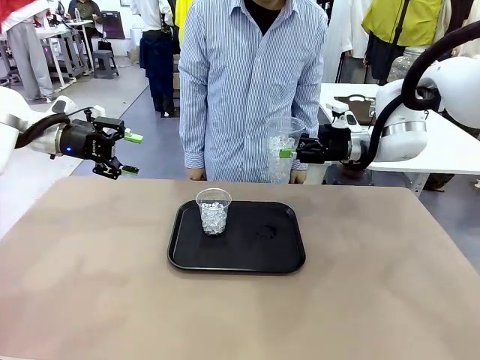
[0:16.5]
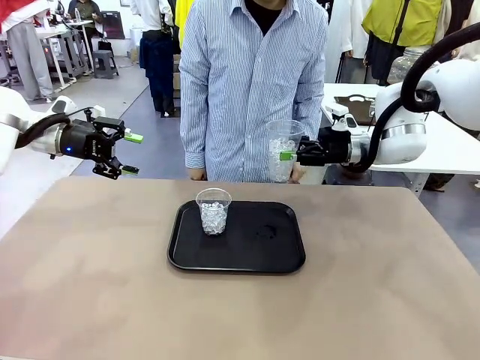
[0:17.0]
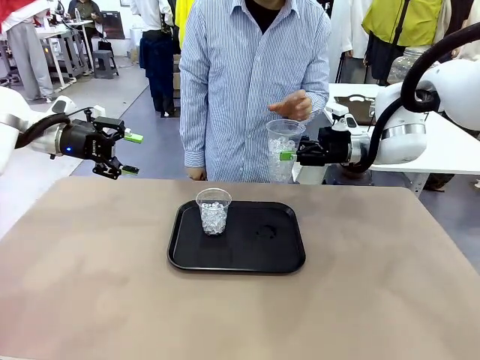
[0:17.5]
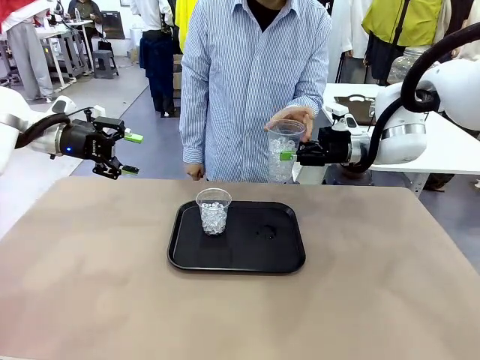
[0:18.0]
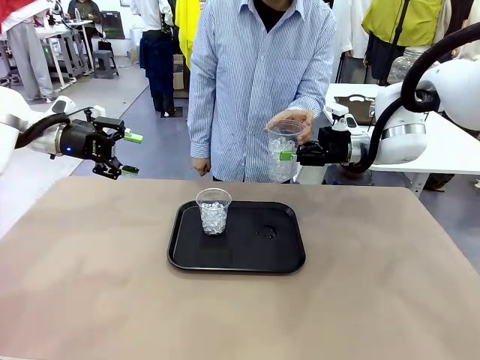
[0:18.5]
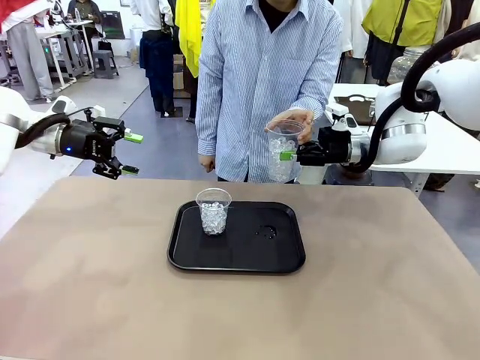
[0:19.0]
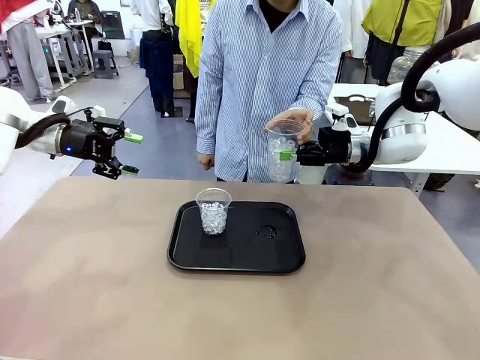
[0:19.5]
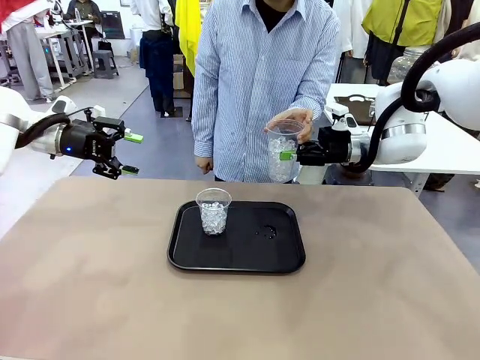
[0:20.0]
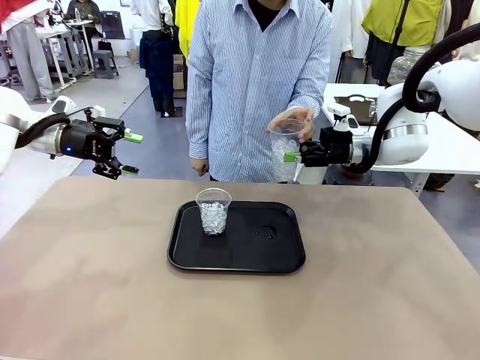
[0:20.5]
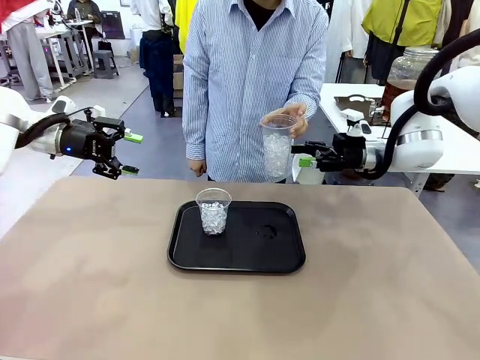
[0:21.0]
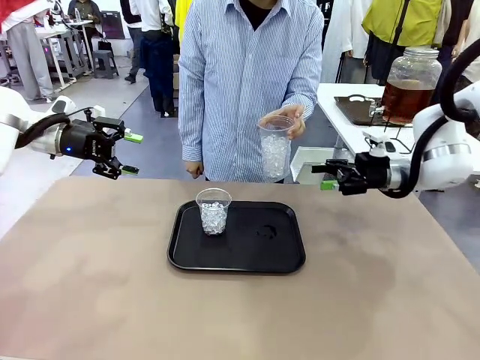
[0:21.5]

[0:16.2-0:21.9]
Task: Pour the drink into the iced cup.
Robot: Open the gripper to release the iced cup you were holding.

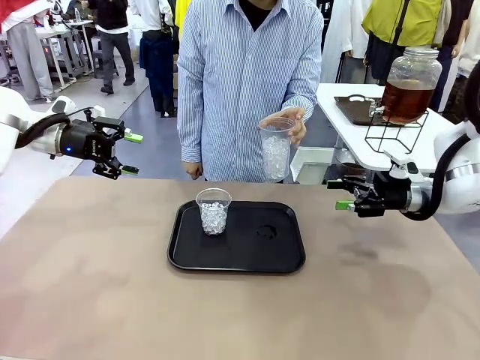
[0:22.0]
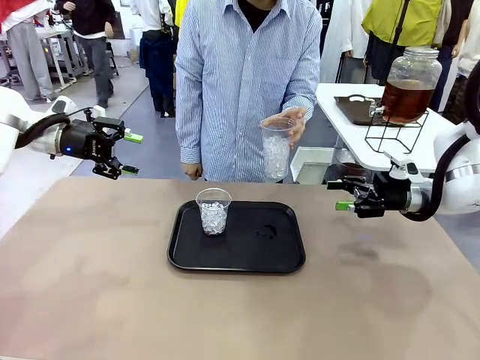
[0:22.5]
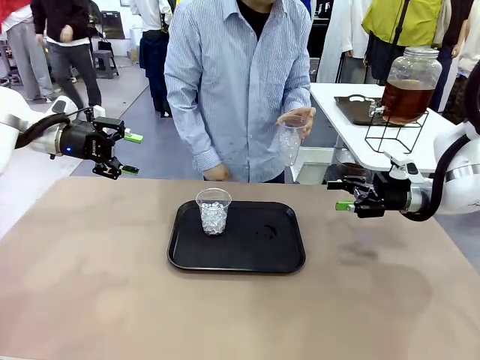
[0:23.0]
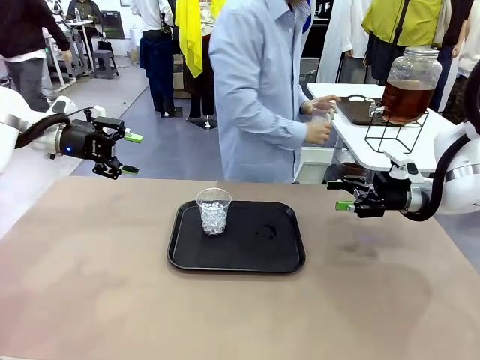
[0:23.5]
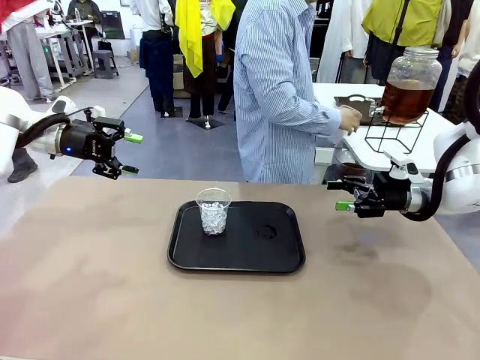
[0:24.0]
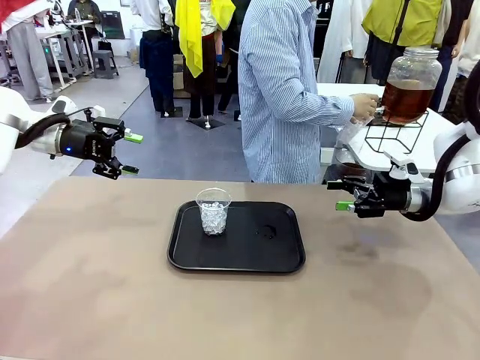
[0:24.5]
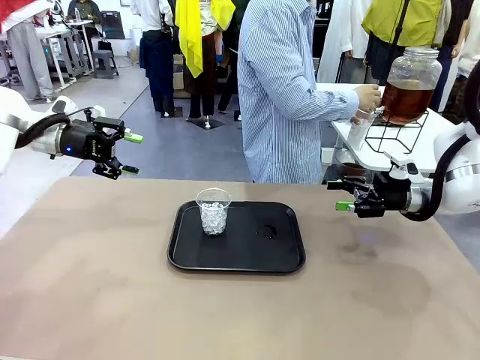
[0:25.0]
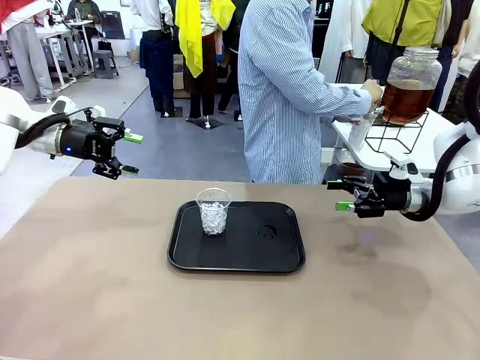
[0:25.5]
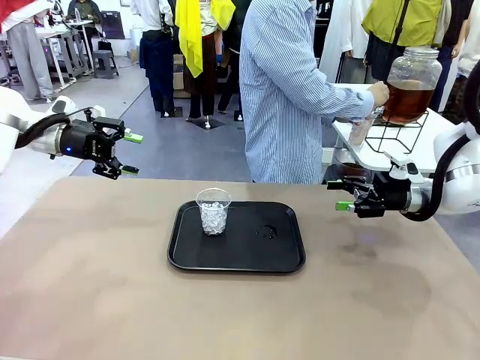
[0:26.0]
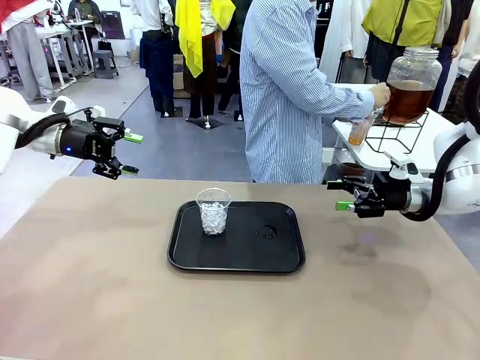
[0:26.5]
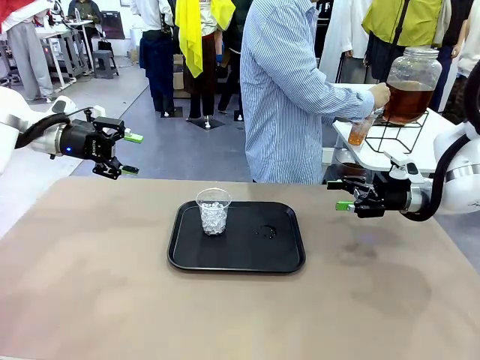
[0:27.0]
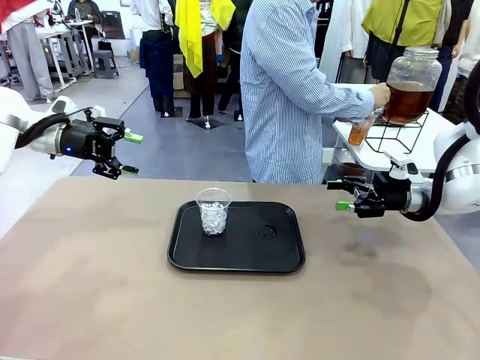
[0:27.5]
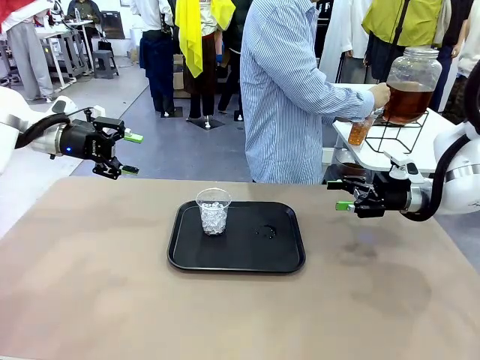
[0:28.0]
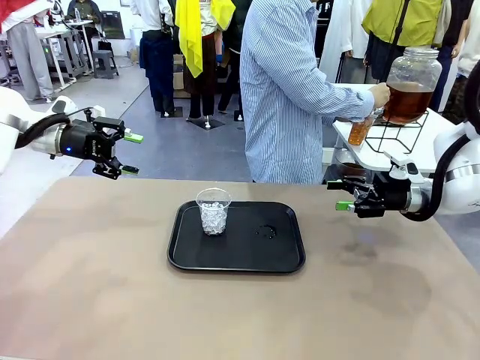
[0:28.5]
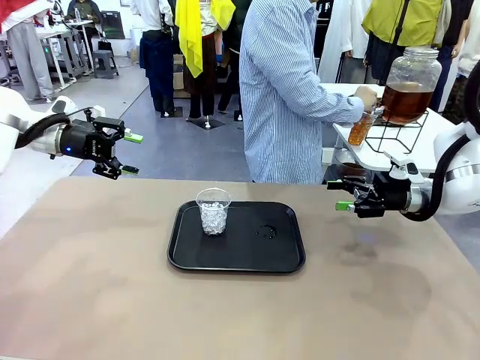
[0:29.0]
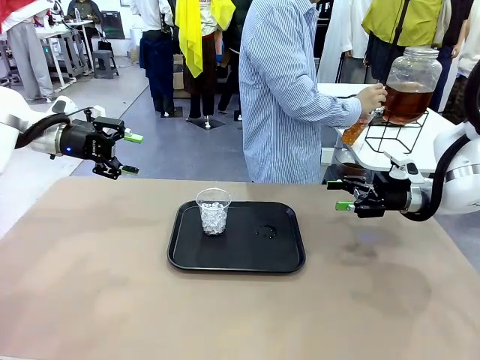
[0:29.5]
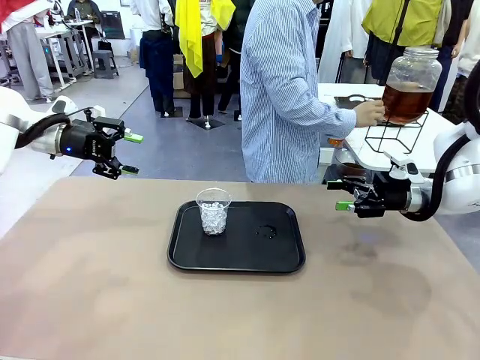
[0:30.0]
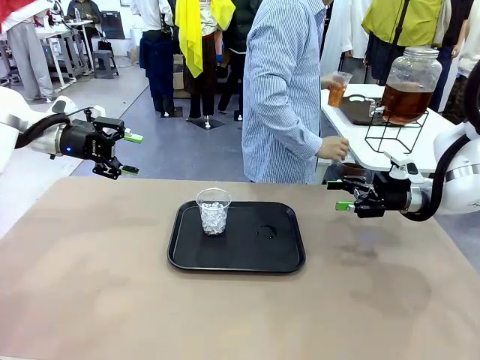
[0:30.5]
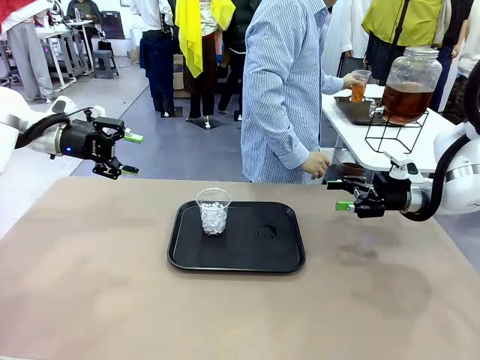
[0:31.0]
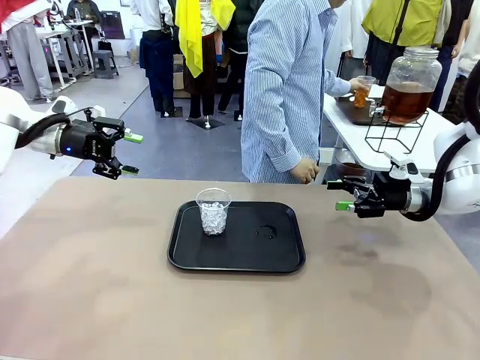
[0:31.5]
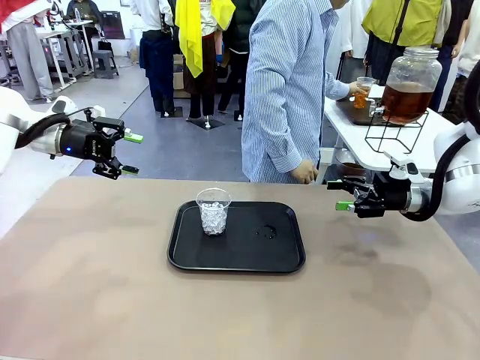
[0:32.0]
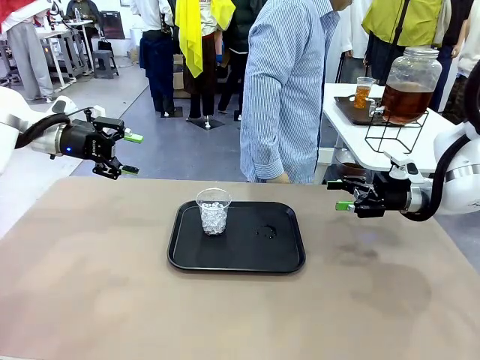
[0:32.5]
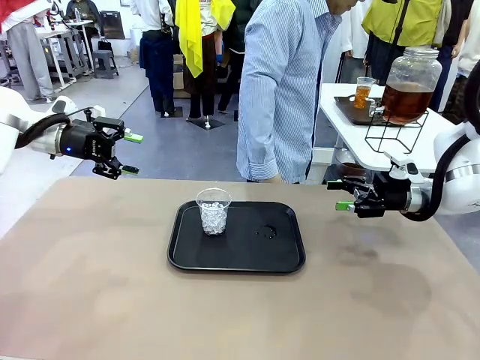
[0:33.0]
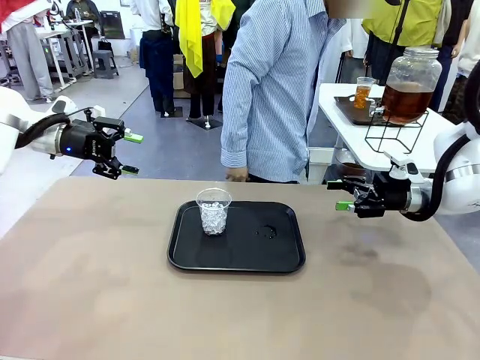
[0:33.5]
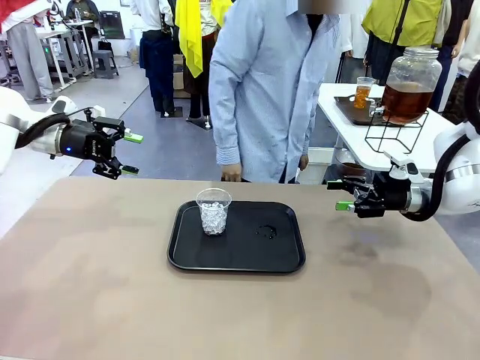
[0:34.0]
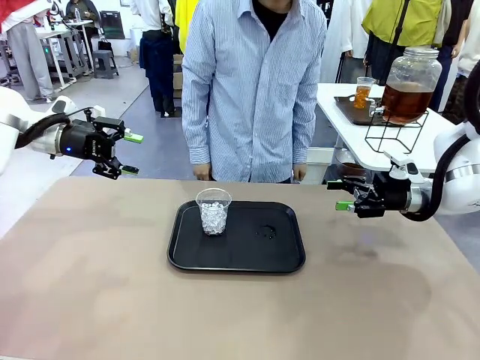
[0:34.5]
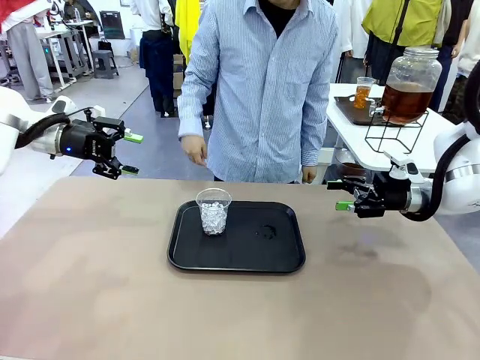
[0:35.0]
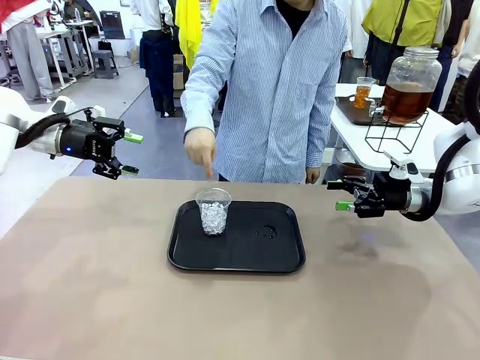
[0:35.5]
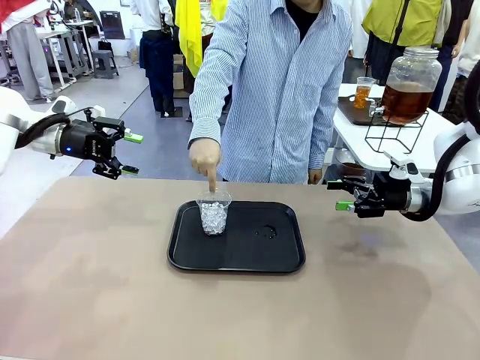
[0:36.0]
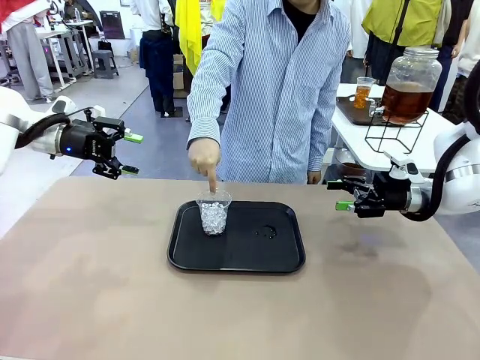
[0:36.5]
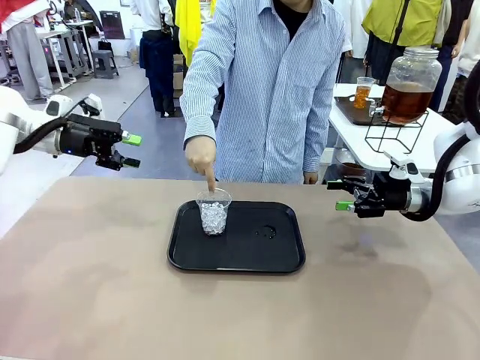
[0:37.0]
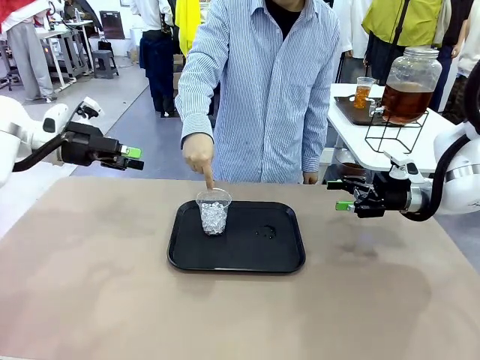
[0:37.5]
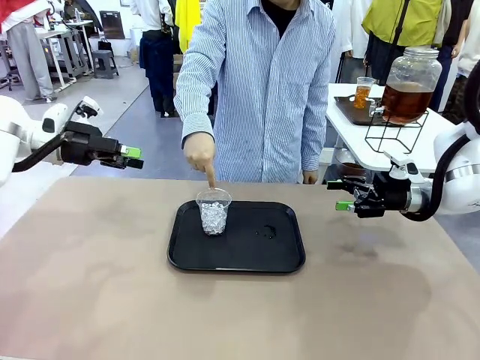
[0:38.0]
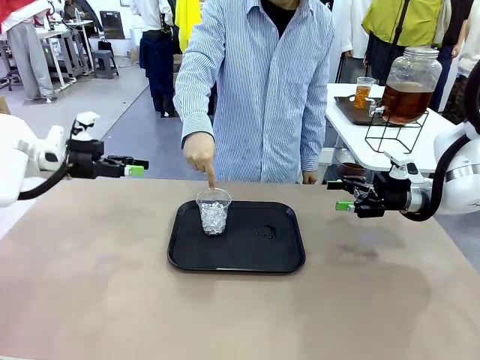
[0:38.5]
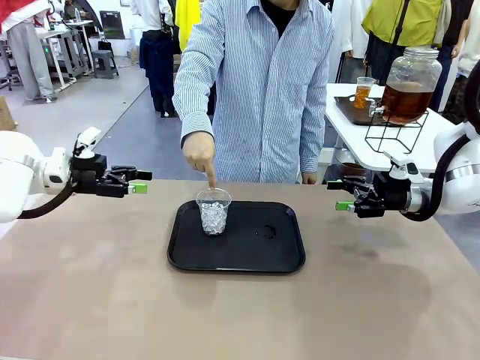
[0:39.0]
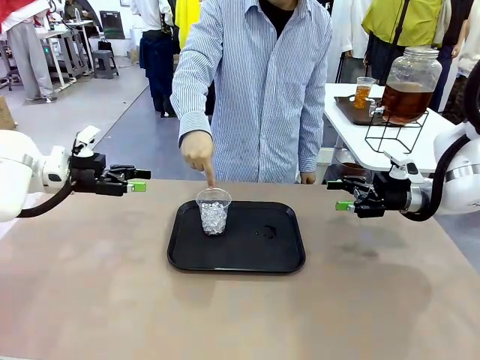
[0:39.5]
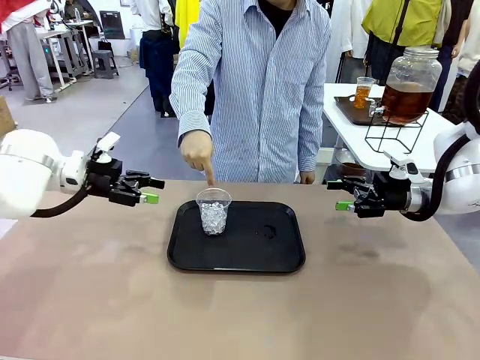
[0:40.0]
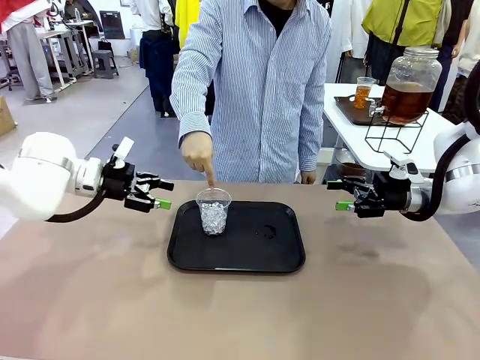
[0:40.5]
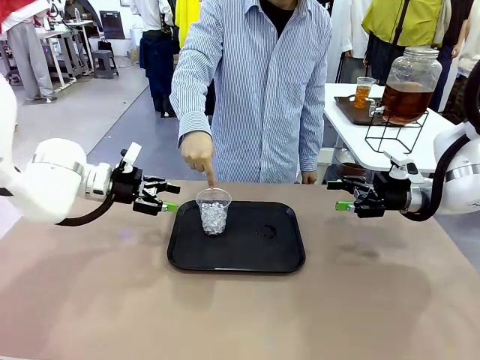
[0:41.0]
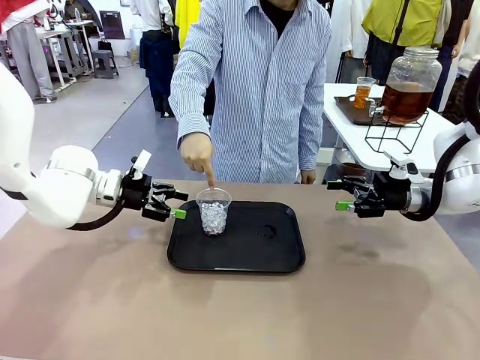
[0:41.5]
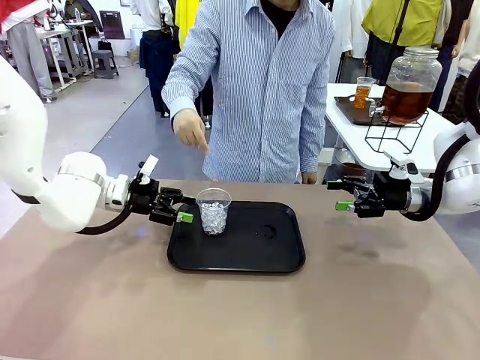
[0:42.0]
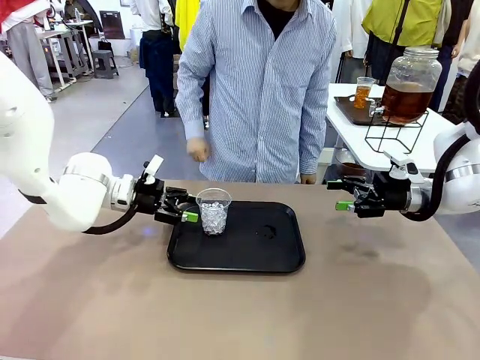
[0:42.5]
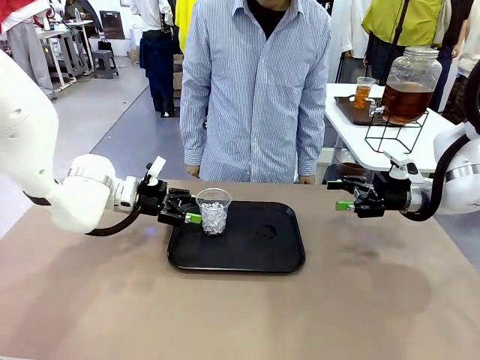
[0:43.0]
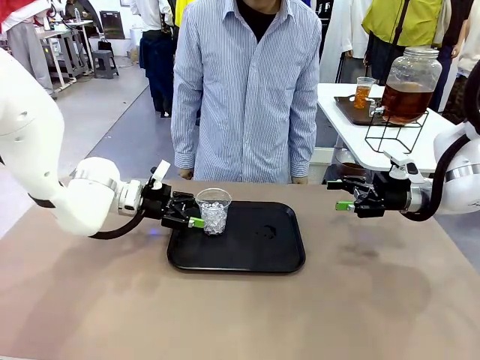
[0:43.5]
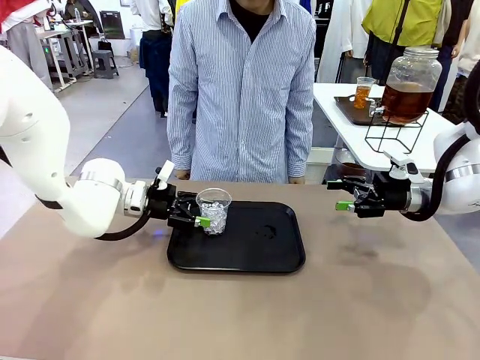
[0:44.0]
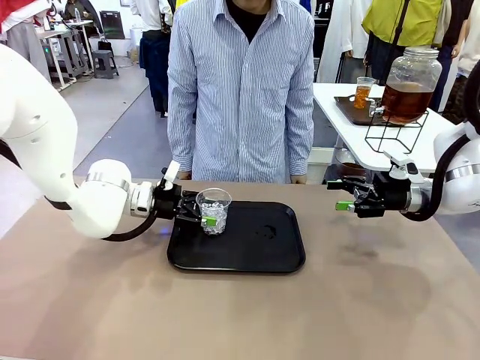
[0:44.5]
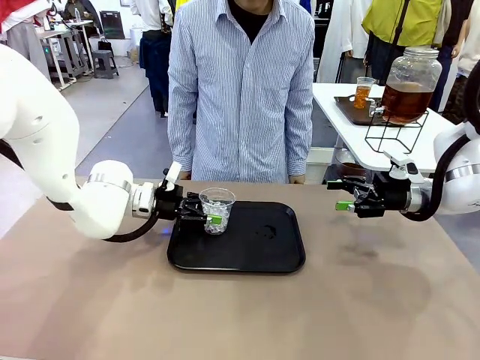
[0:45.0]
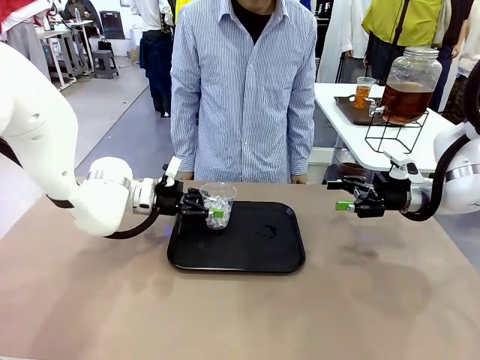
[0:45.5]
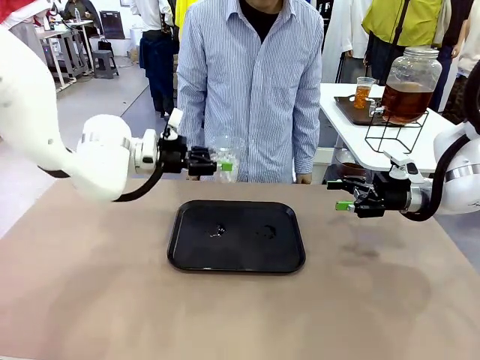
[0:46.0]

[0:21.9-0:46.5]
Robot: Pick up the iced cup indicated by the human and present it to them.
Person: Move the picked-up cup under the dispenser faucet, pour the drink, and place it on the tray on the human table. Point to the remaining ice cup on the robot table. Pick up the cup offered by the robot.
